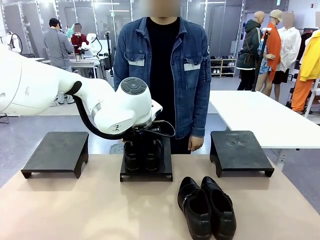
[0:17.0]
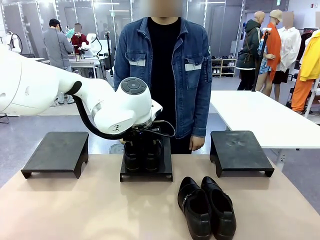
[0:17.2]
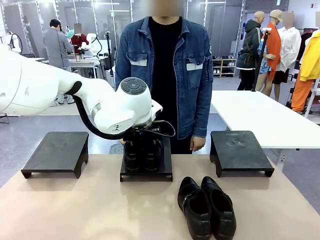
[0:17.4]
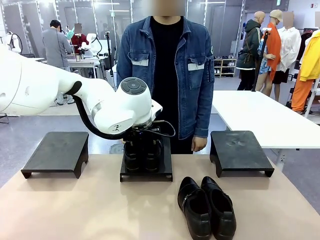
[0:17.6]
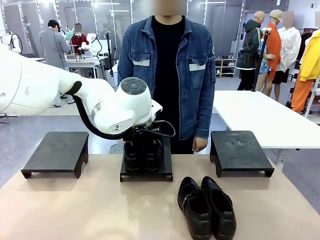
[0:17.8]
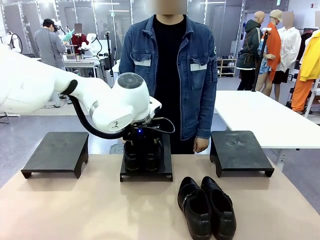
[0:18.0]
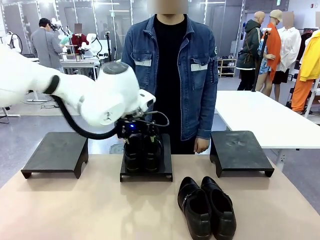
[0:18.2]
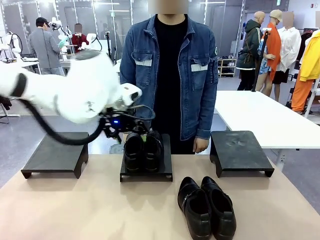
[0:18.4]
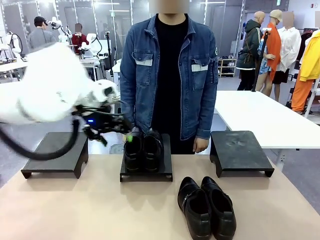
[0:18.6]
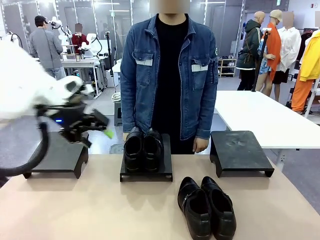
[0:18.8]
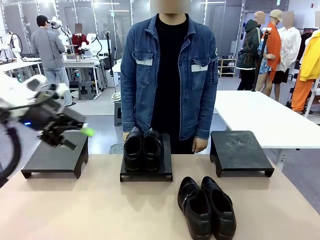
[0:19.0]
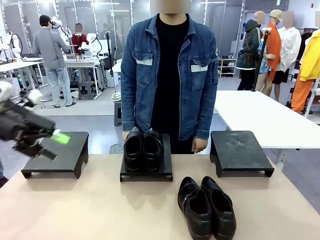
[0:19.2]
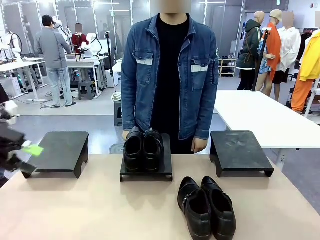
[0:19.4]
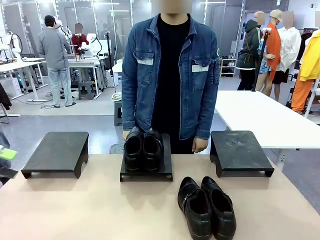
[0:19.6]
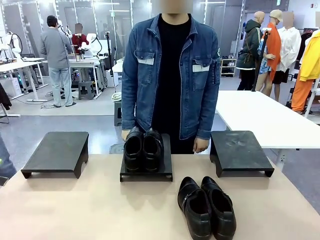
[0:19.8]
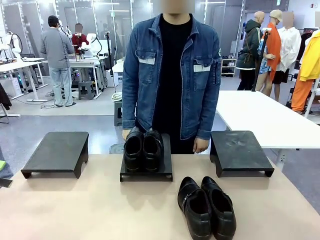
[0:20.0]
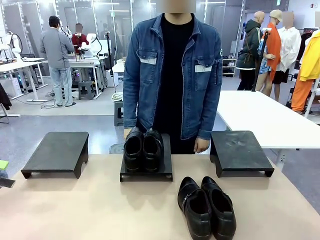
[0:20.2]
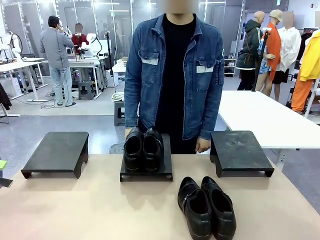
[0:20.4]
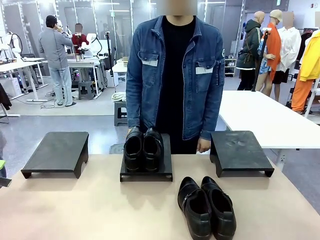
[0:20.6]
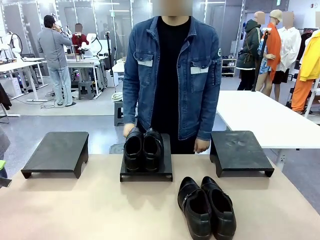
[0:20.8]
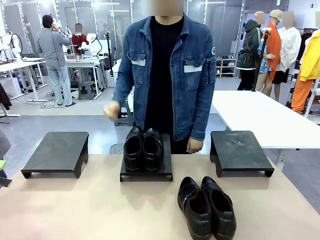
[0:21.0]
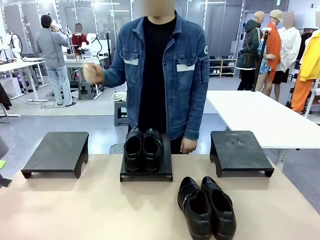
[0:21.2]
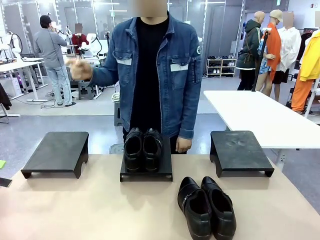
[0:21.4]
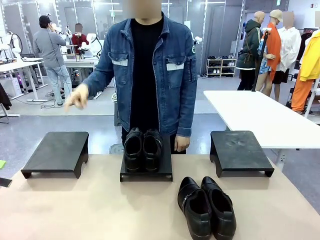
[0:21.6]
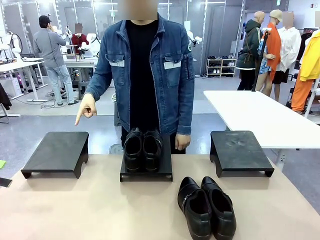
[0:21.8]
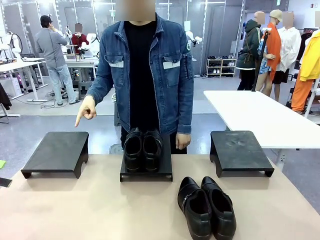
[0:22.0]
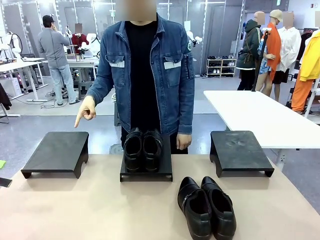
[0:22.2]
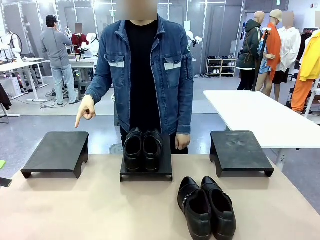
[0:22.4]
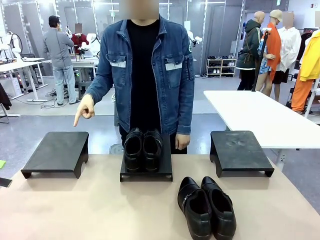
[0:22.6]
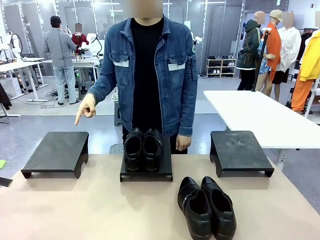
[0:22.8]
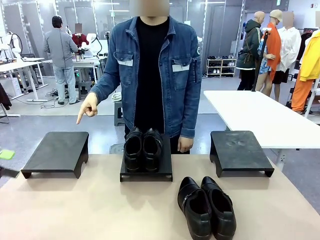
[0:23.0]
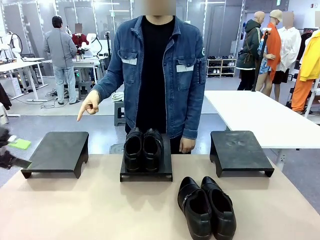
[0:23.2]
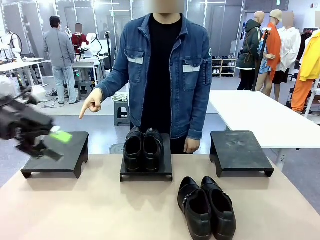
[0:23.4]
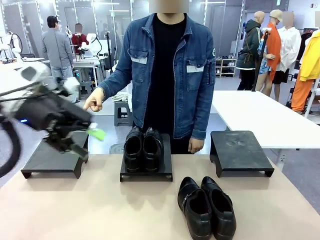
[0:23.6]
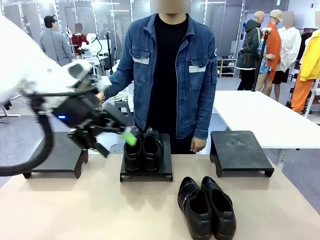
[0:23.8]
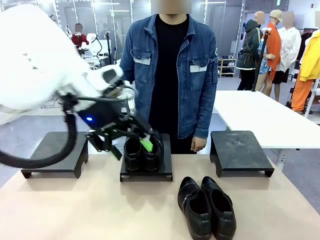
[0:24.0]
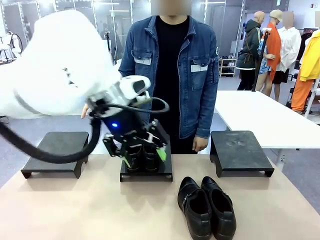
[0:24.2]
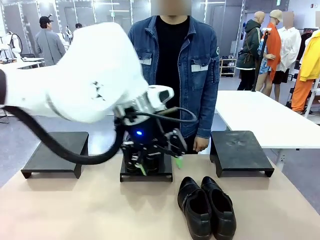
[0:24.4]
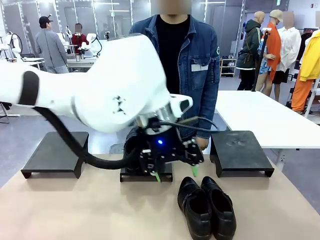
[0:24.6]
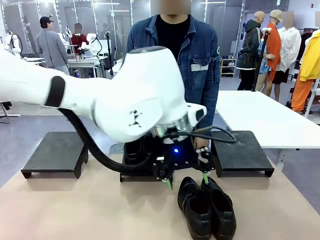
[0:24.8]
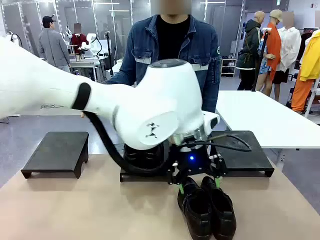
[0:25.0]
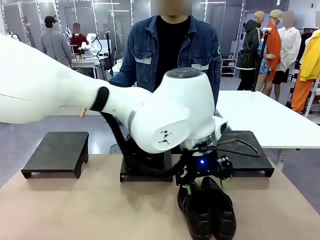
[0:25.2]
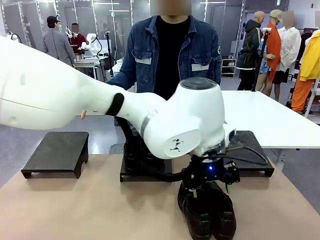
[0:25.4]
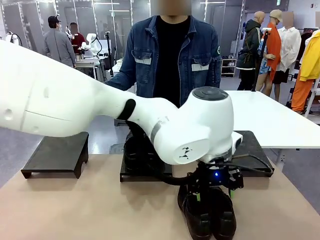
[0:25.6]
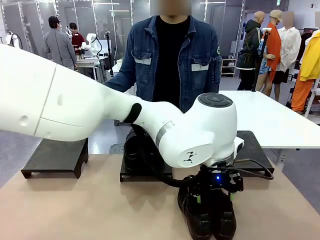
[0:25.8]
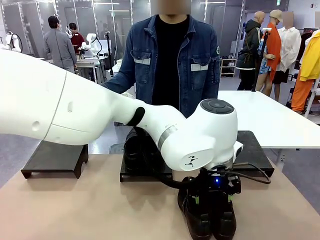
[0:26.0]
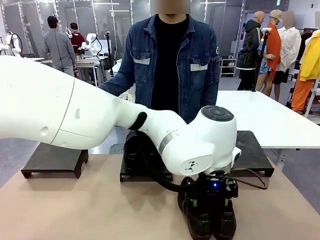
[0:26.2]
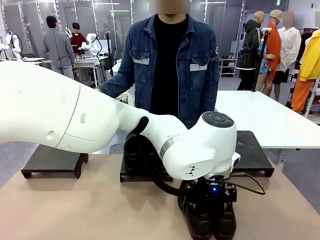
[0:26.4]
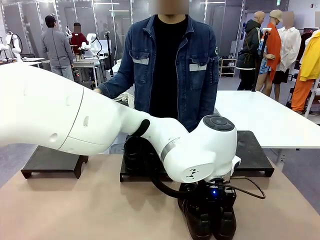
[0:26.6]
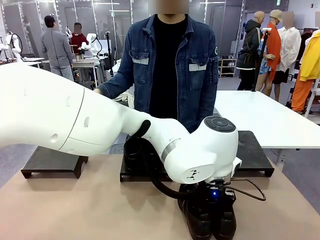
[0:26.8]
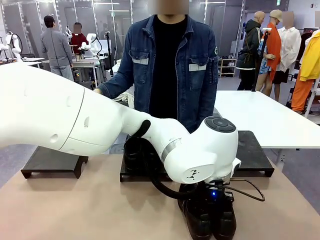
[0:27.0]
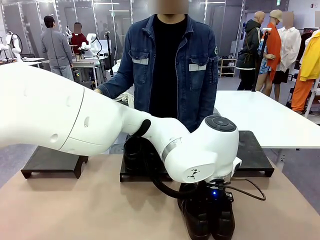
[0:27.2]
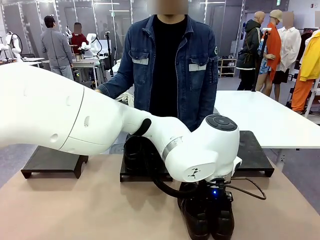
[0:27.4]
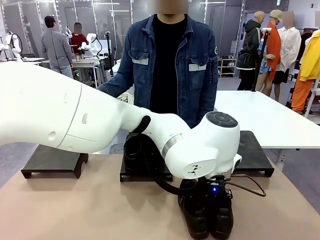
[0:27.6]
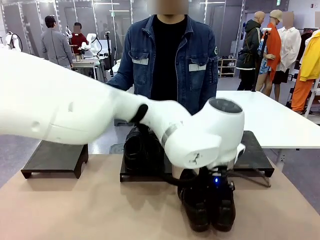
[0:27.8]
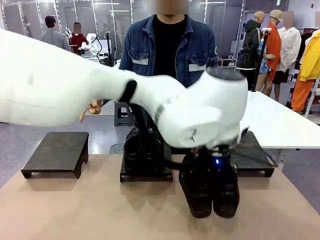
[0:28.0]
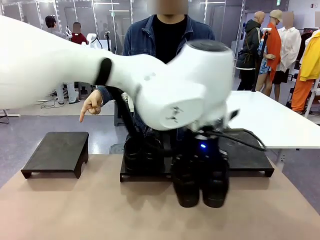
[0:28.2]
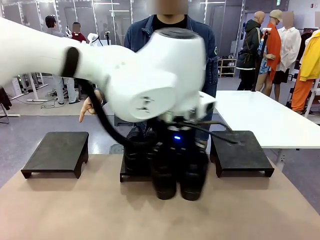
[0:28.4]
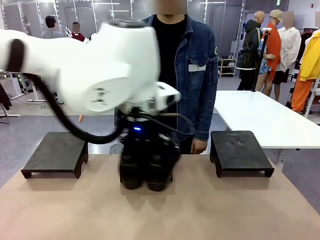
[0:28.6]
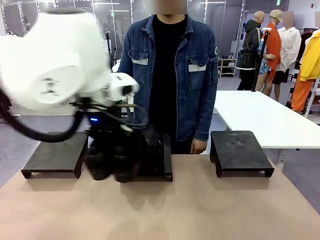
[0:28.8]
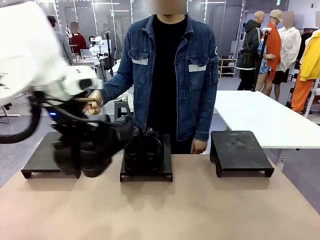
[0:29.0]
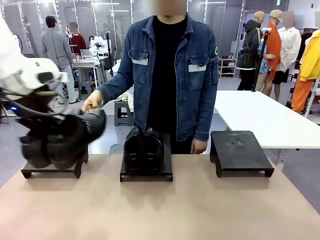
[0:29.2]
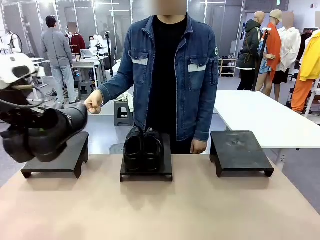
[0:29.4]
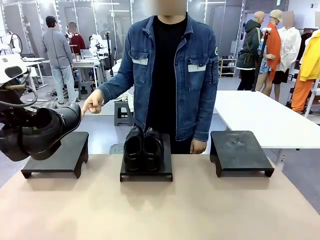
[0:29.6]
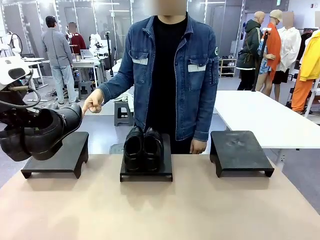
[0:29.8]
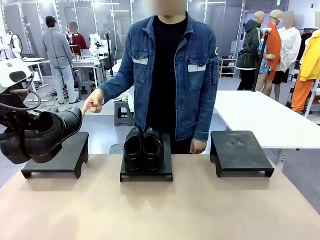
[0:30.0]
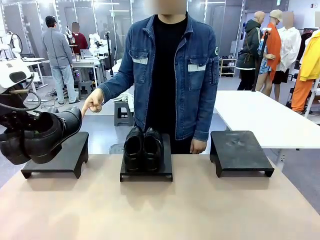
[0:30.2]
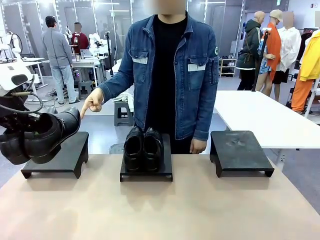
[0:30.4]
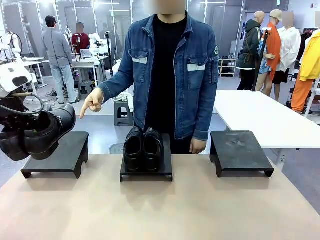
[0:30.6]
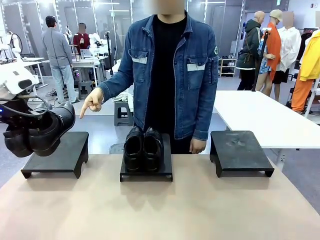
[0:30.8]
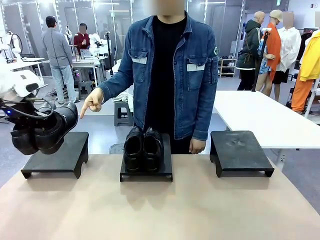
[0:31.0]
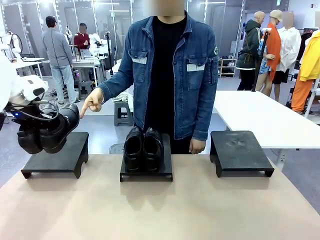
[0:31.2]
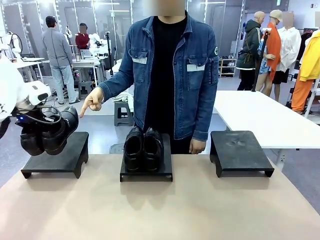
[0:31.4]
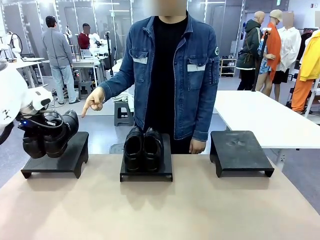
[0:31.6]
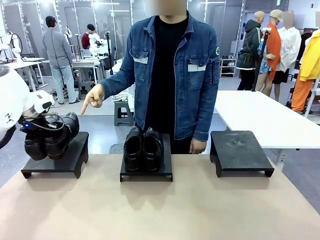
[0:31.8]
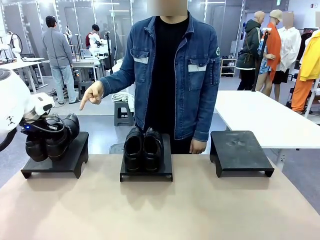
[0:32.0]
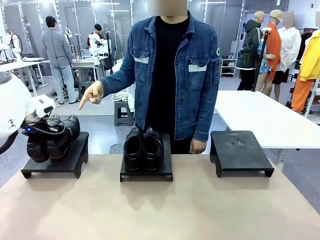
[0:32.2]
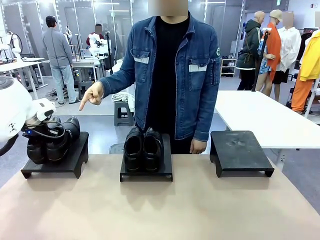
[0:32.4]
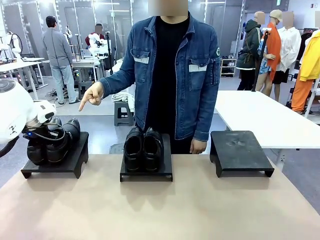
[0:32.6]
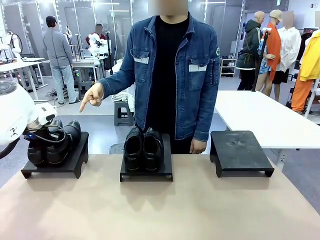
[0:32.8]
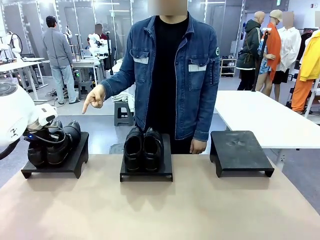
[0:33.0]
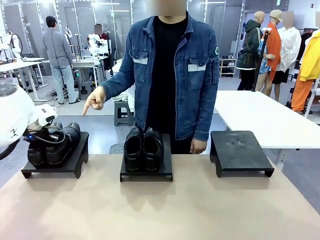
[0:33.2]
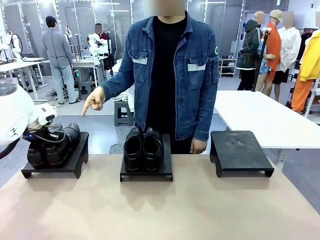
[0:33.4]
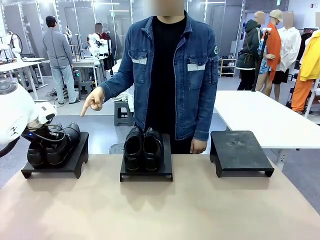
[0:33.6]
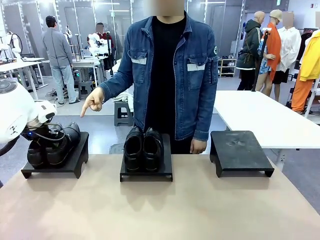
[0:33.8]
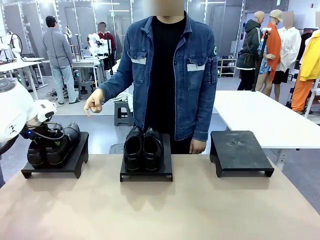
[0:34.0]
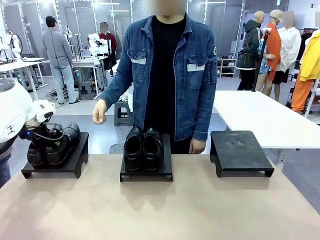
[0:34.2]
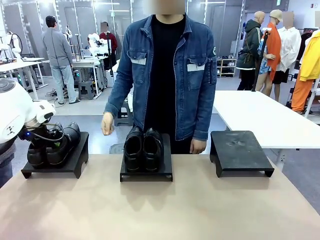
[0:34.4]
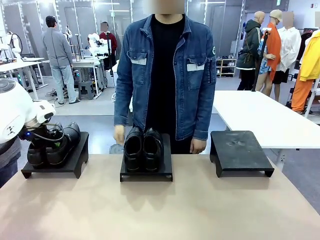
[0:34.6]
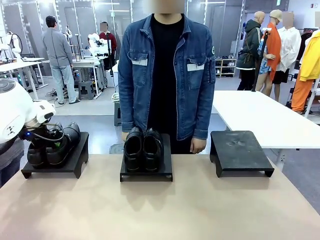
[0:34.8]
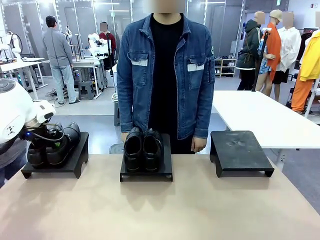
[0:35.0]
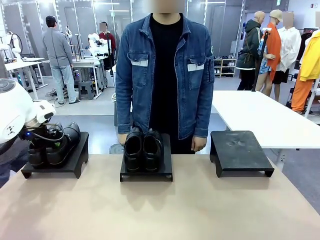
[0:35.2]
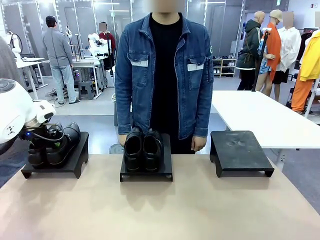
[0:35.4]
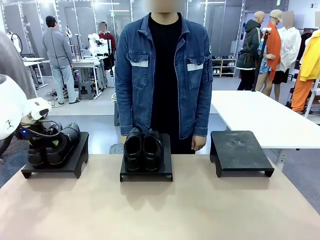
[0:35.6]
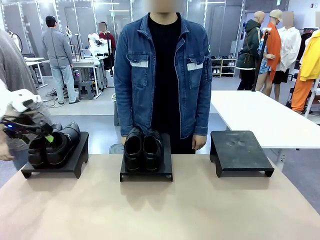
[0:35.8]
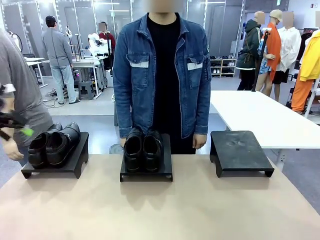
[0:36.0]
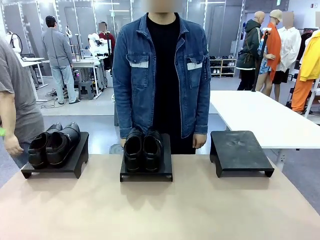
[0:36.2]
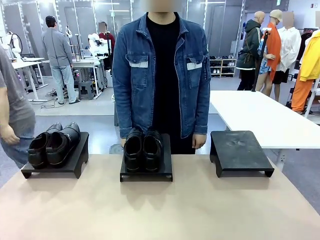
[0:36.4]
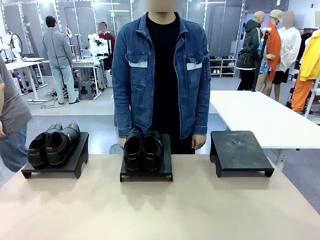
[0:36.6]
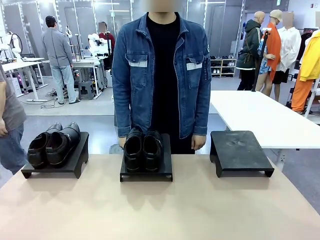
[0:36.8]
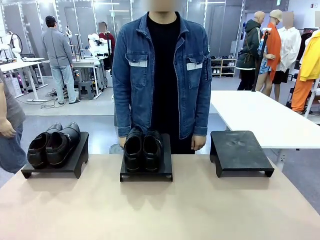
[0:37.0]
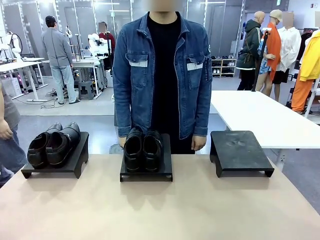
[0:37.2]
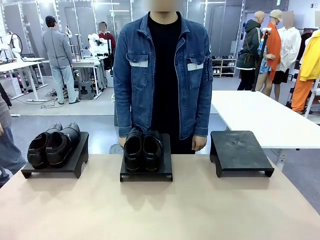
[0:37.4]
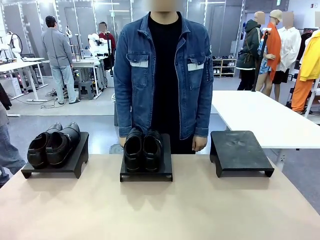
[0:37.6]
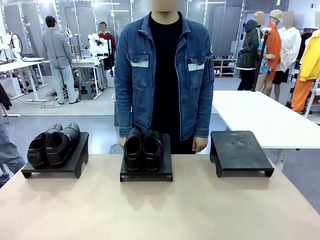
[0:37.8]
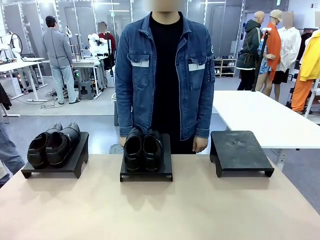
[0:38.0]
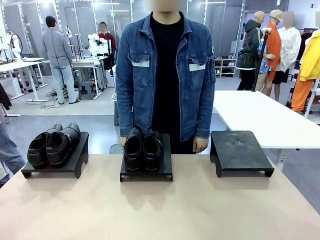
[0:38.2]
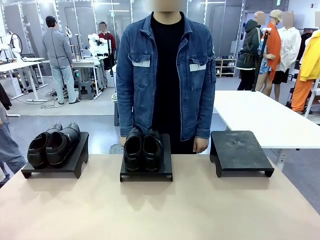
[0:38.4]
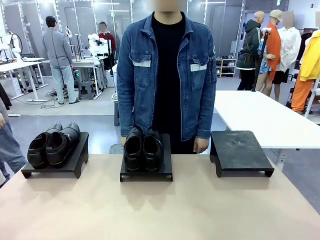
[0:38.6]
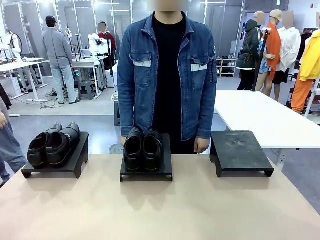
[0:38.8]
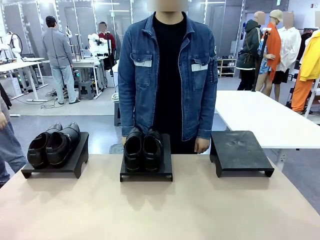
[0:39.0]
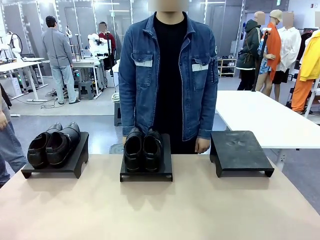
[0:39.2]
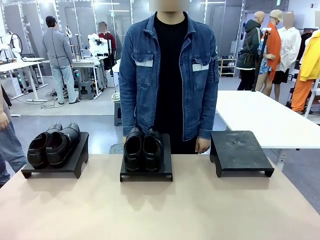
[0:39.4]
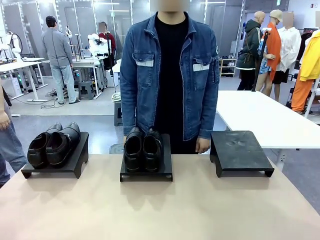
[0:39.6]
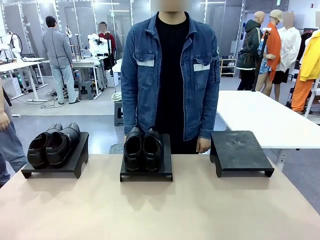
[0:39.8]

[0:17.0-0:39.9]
Task: Place the shoes on the stand as instructed by the person.
Robot: Pick up another pair of Shoes and place it on the Shoes Stand indicated by the person.
Person: Point to one Shoes Stand.
